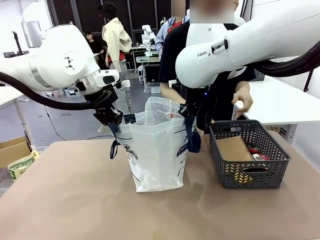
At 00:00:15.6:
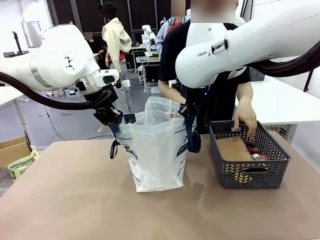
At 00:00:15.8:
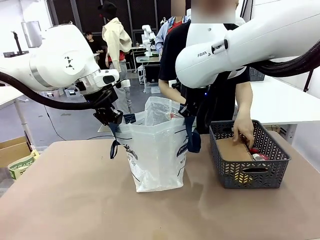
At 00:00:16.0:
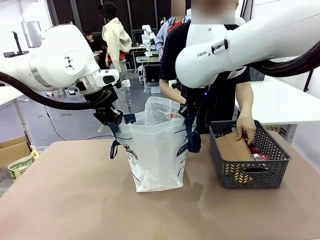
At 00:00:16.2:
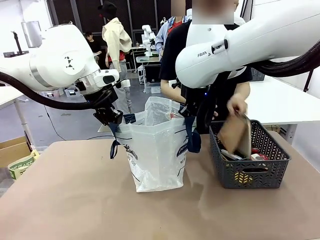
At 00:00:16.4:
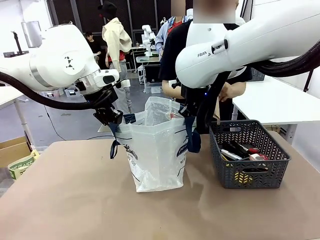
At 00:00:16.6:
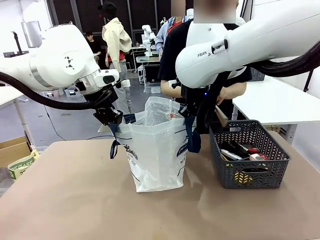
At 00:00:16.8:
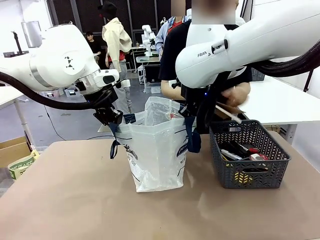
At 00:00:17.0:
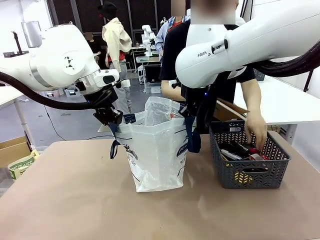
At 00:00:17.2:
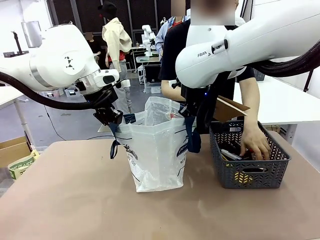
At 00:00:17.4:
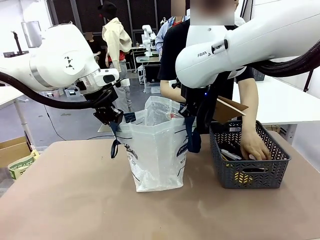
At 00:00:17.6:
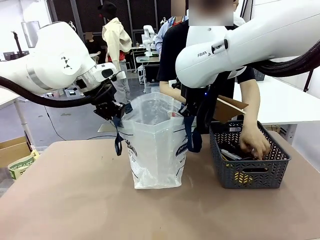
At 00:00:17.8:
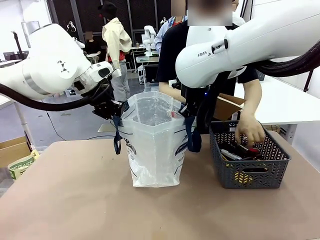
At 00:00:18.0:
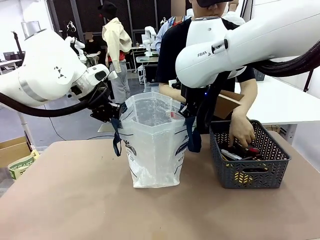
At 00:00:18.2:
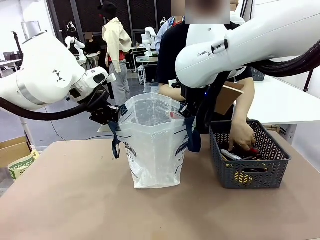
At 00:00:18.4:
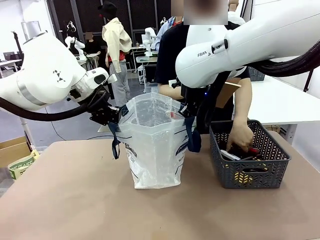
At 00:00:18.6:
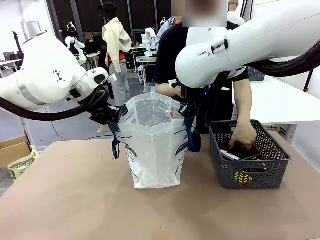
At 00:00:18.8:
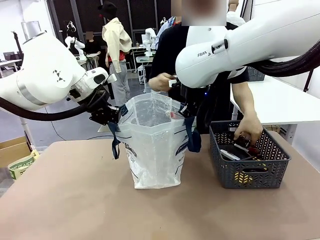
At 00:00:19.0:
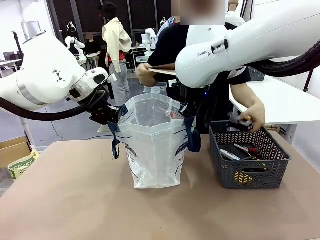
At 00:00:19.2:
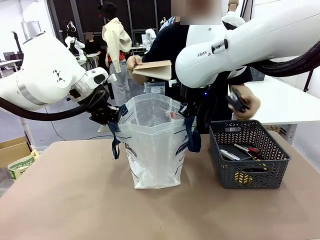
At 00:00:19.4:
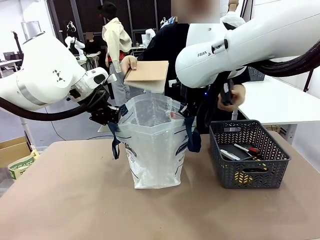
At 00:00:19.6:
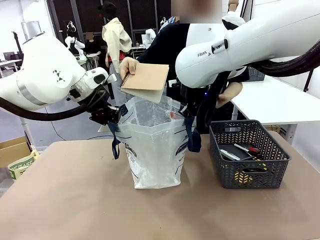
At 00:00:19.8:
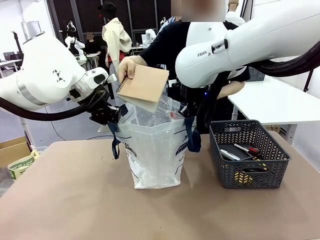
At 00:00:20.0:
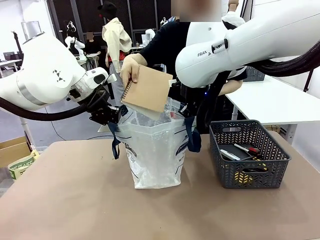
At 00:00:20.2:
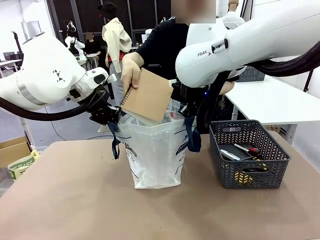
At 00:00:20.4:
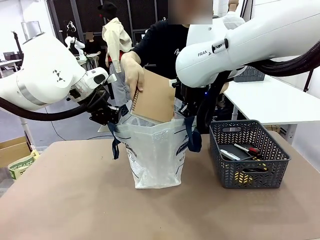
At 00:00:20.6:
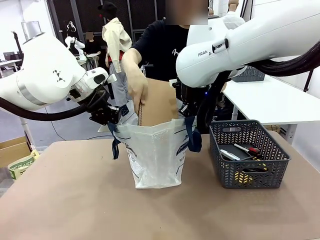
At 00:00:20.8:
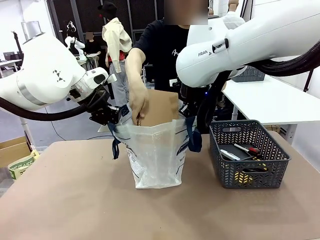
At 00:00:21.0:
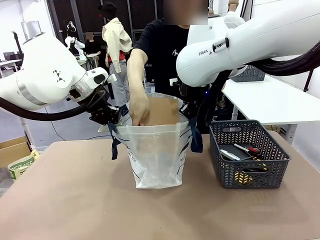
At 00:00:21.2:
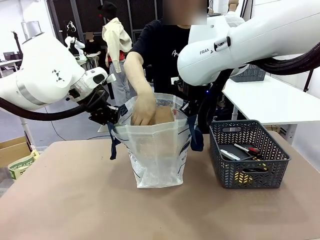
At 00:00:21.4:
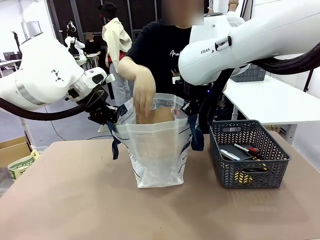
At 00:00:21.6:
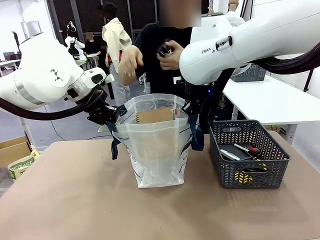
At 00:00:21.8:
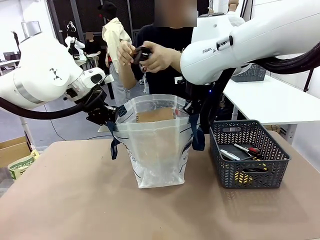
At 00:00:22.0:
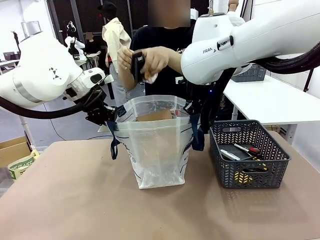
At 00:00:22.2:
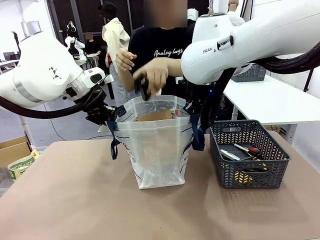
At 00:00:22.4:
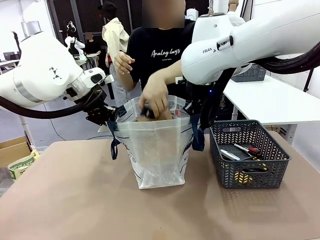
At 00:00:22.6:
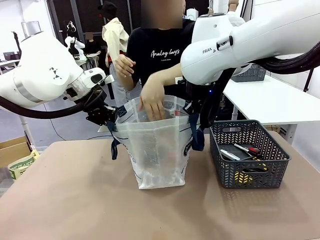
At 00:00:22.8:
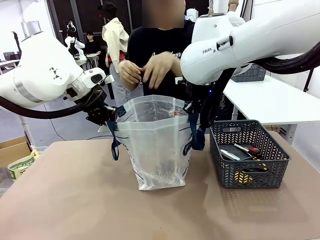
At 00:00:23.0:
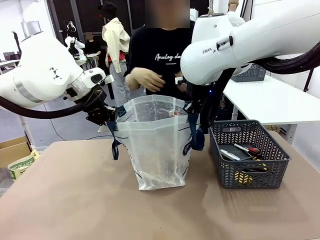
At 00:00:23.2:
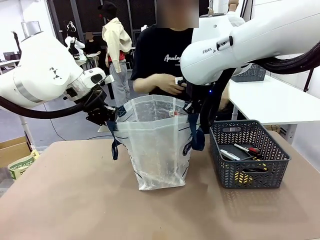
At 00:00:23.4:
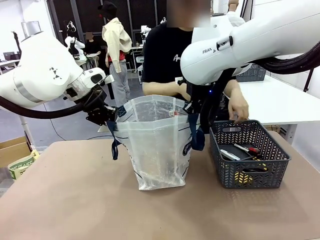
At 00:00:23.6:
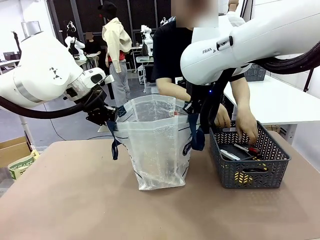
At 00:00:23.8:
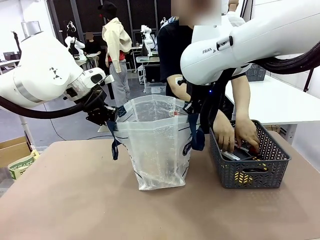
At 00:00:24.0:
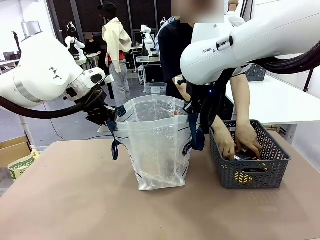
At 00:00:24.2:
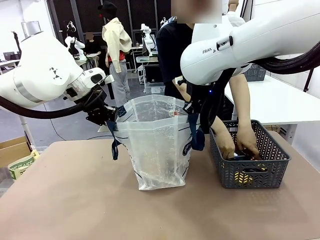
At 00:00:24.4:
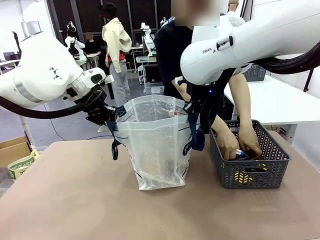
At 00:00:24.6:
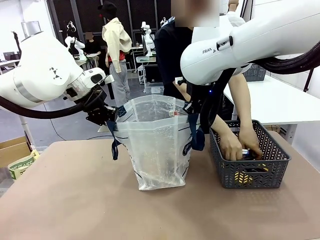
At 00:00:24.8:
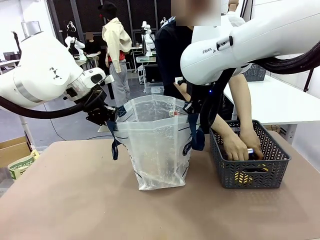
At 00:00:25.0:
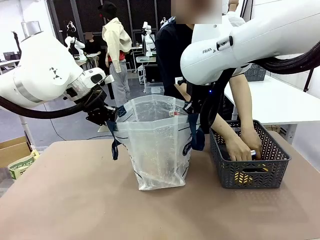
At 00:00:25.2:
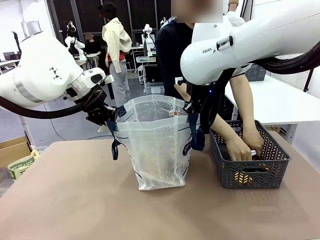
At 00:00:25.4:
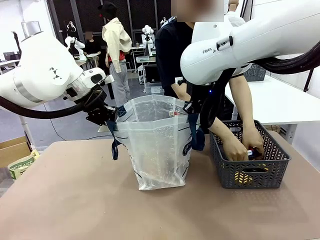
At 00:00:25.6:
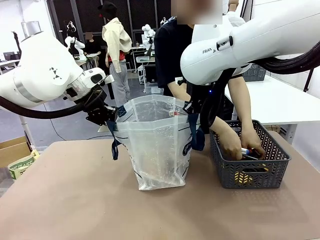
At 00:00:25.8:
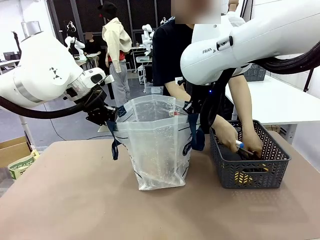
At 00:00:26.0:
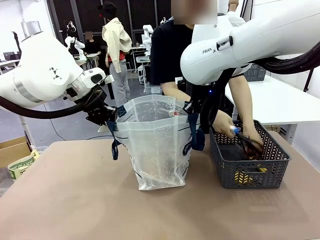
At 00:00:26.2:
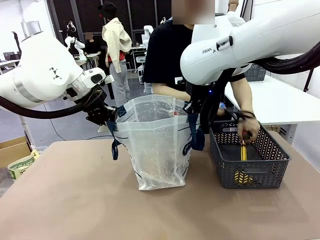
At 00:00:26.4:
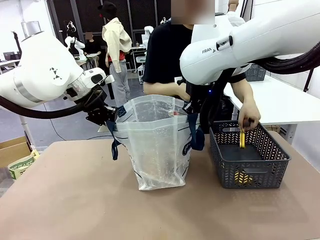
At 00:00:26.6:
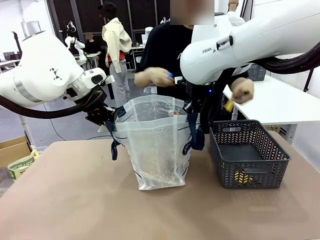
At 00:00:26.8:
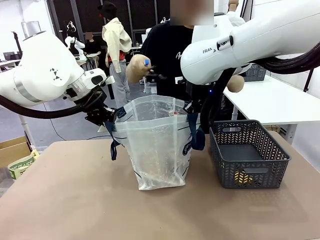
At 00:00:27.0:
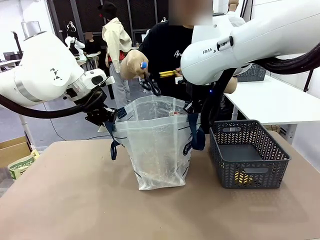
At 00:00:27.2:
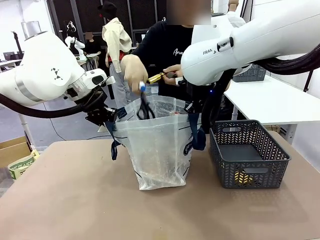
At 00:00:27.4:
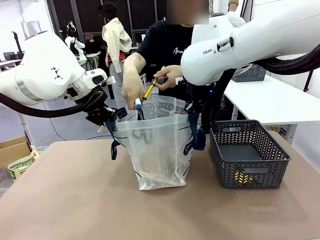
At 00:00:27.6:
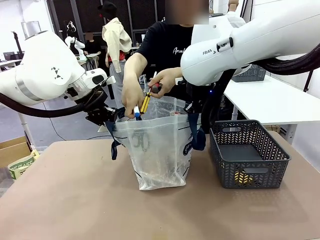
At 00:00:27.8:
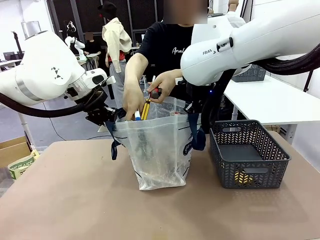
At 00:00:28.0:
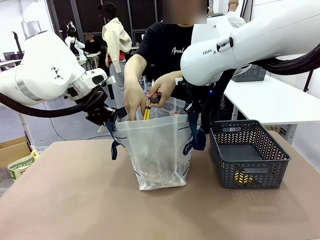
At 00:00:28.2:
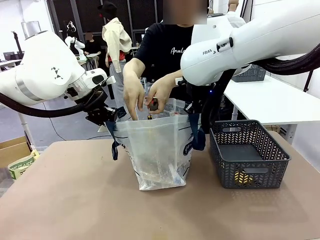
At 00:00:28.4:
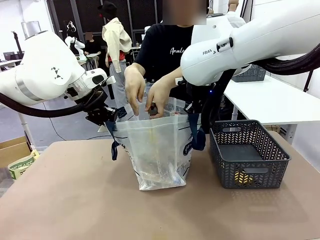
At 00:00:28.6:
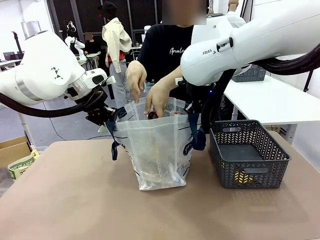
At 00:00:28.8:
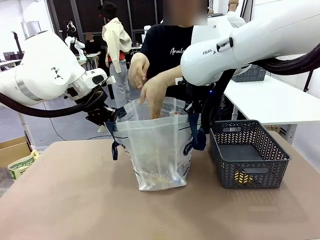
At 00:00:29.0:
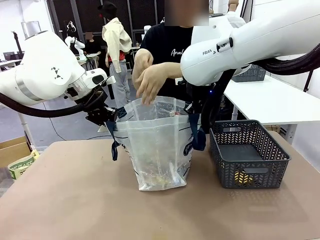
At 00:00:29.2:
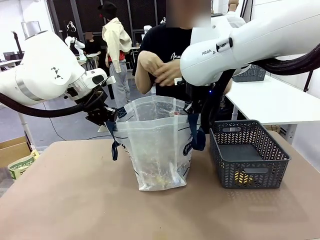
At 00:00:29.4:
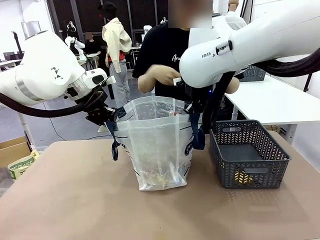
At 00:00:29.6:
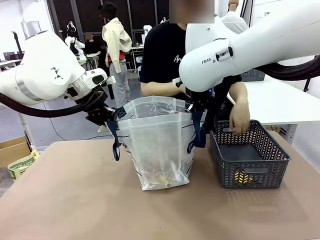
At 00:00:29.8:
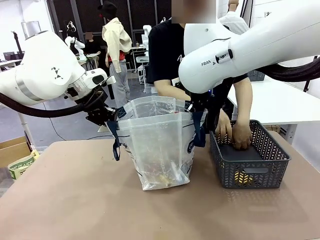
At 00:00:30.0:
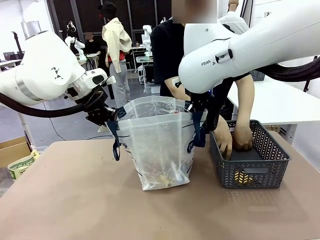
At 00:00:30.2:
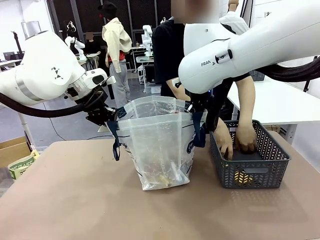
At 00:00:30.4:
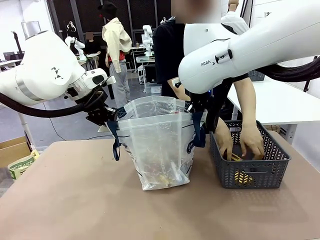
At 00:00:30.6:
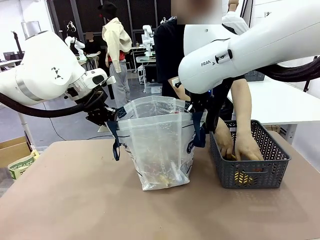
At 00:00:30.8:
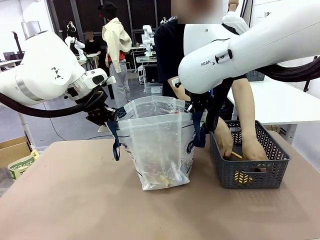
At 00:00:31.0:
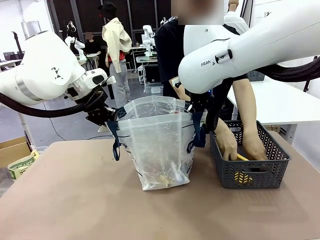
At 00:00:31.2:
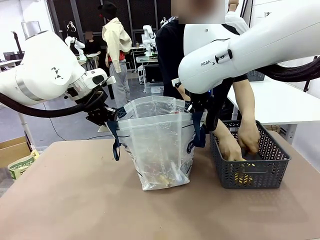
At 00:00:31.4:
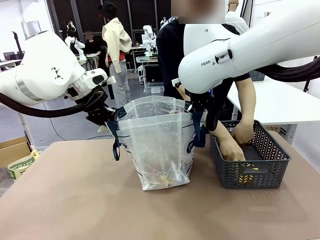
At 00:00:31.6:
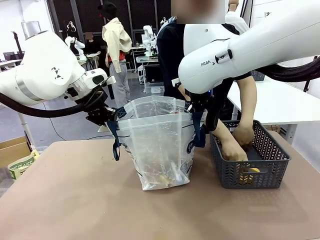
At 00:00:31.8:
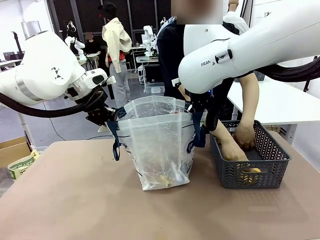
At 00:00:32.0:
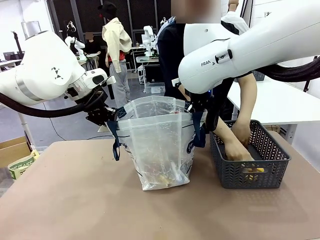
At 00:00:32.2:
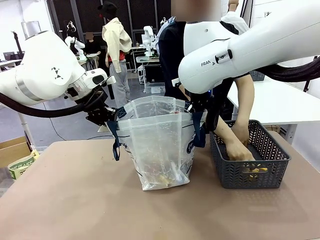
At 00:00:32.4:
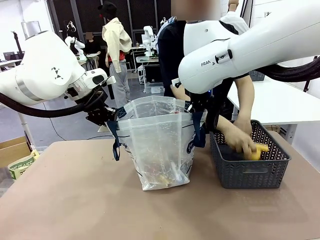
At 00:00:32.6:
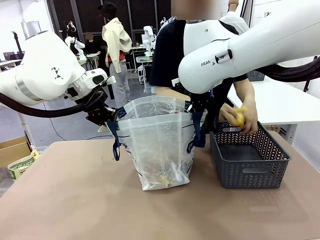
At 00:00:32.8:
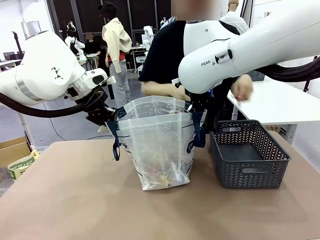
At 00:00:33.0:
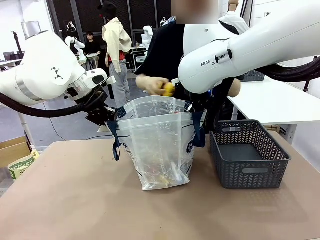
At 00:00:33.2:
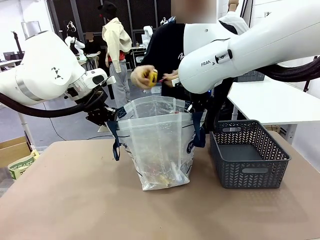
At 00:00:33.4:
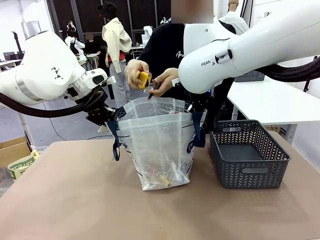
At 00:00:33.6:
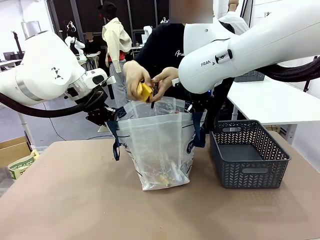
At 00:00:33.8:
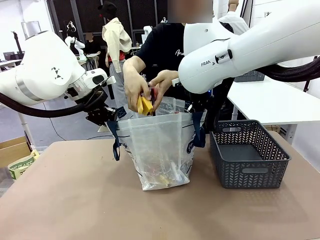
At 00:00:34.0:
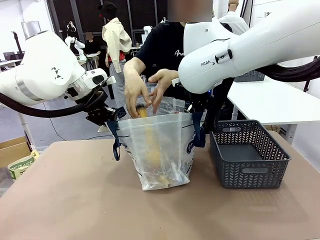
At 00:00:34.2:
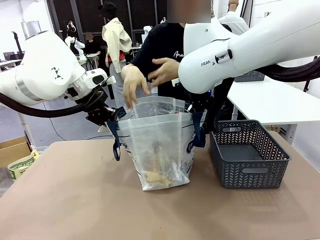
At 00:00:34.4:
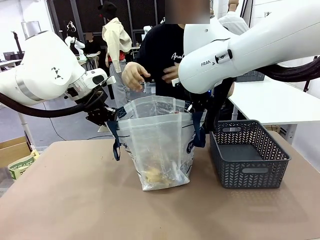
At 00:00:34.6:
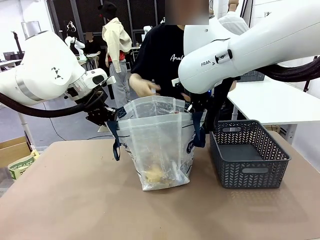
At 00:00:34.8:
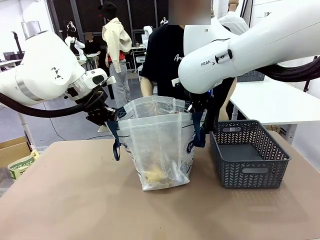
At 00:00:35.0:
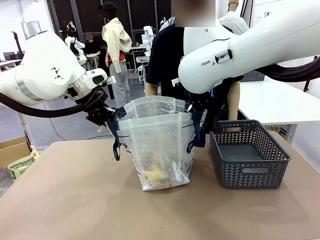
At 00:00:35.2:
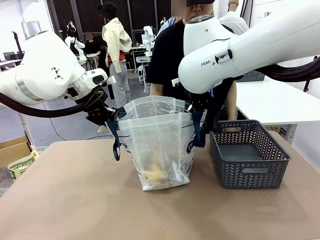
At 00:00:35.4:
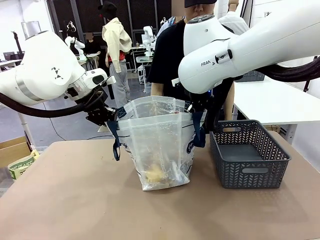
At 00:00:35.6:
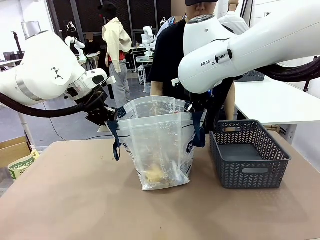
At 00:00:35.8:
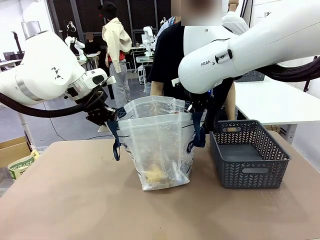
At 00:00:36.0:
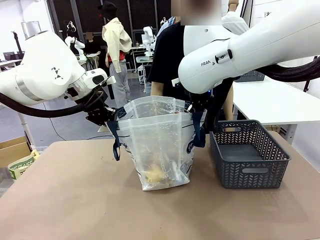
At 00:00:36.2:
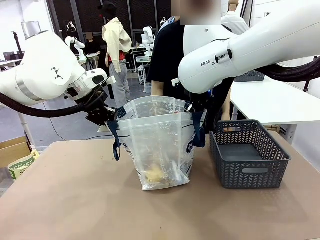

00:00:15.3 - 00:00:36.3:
Task: Transfer purchased items from the store into the shopping bag.
Robot: Move the Reusable shopping bag to the right side of the table.
Person: Pick up the basket on the right, place it on the left side of the robot table, and move the items in the basket to the shopping bag.
